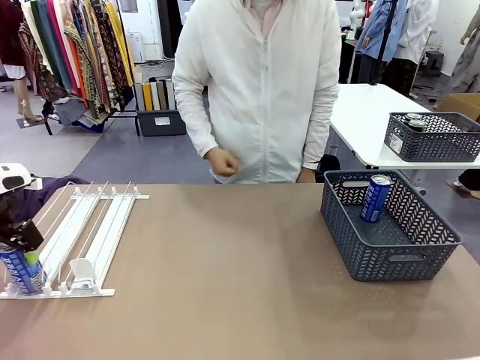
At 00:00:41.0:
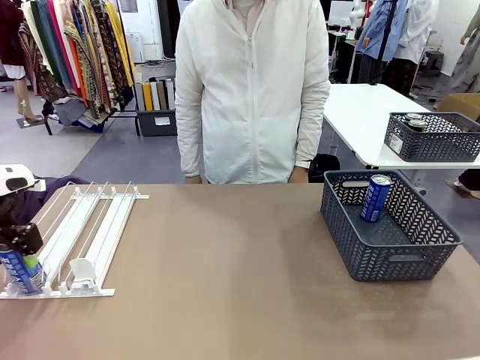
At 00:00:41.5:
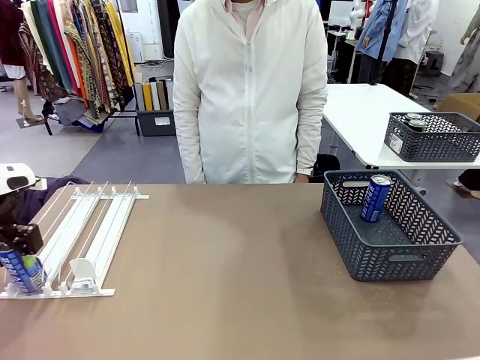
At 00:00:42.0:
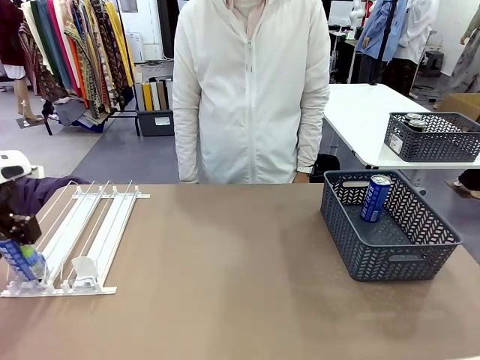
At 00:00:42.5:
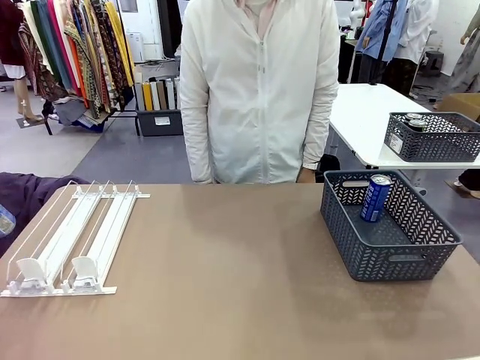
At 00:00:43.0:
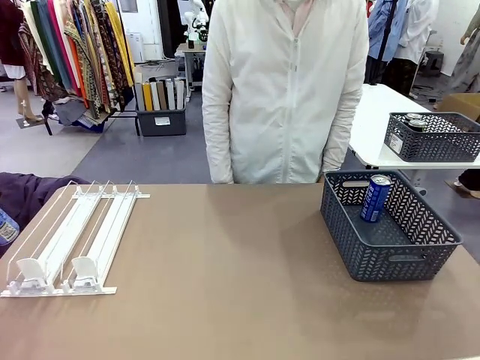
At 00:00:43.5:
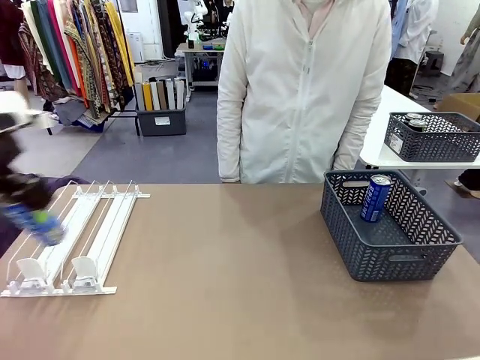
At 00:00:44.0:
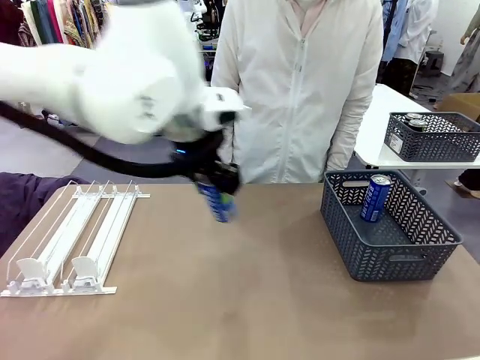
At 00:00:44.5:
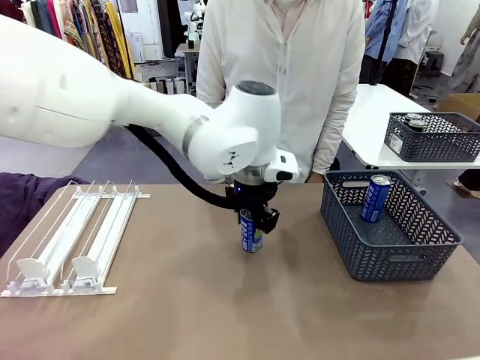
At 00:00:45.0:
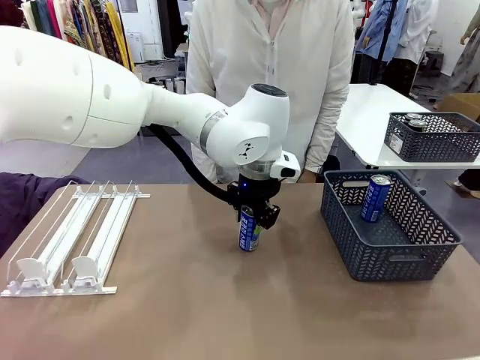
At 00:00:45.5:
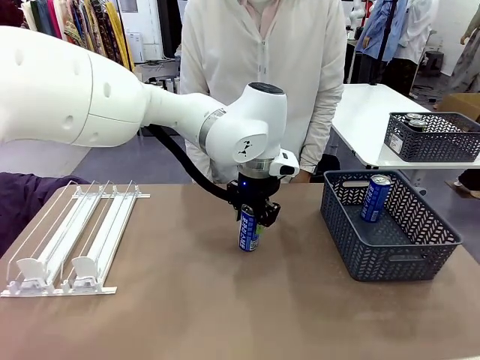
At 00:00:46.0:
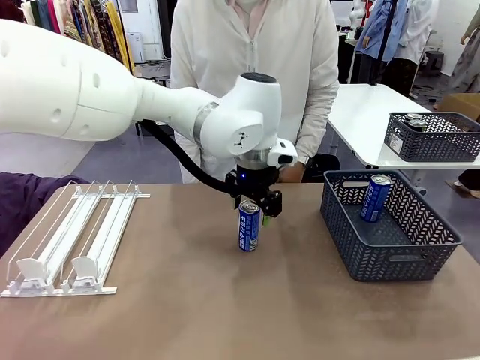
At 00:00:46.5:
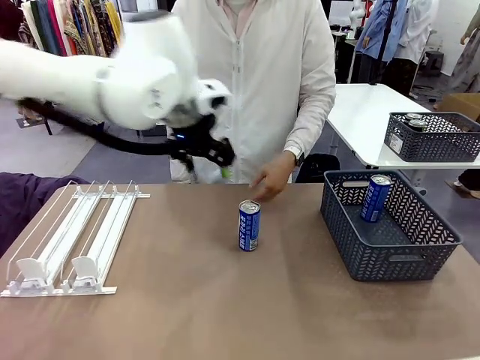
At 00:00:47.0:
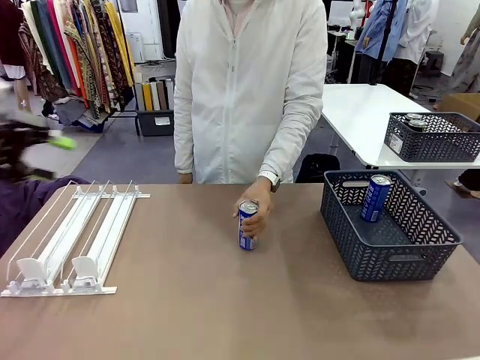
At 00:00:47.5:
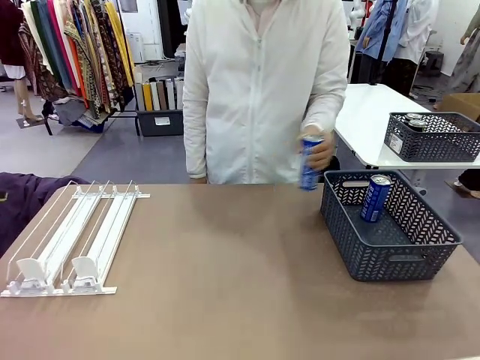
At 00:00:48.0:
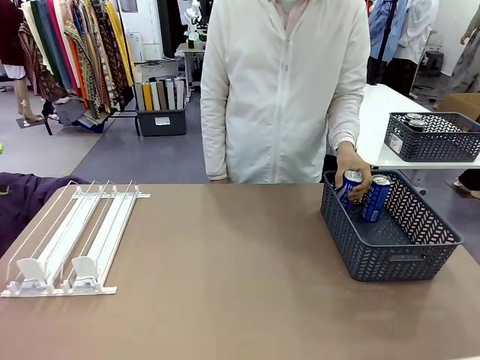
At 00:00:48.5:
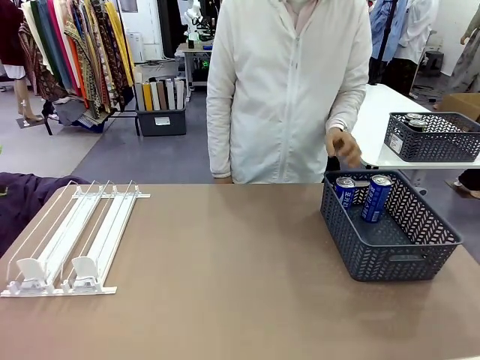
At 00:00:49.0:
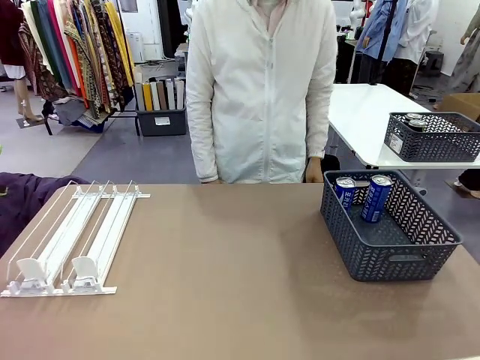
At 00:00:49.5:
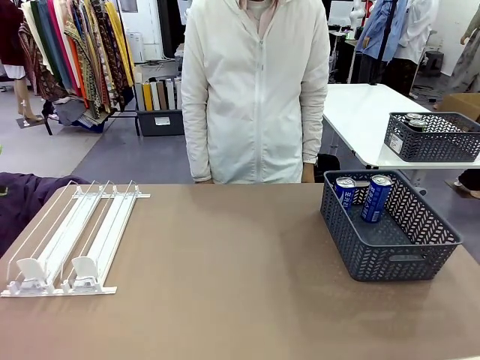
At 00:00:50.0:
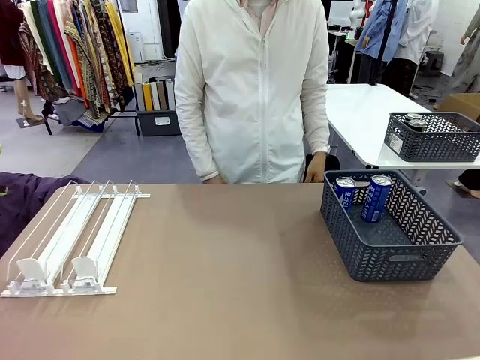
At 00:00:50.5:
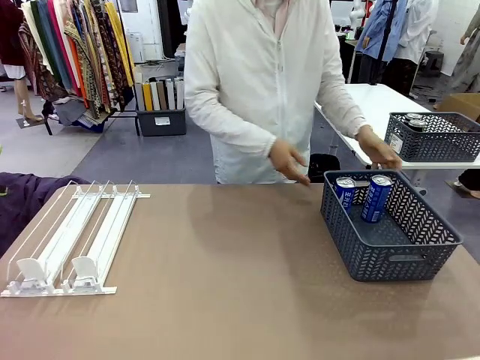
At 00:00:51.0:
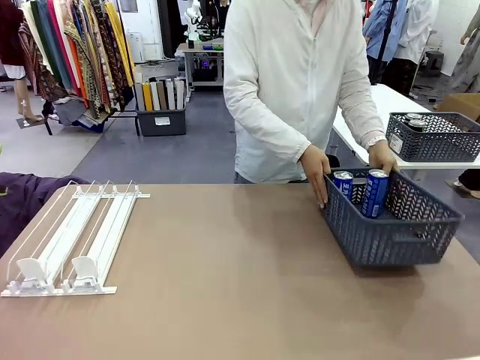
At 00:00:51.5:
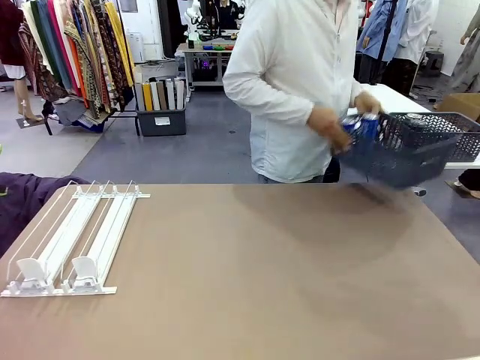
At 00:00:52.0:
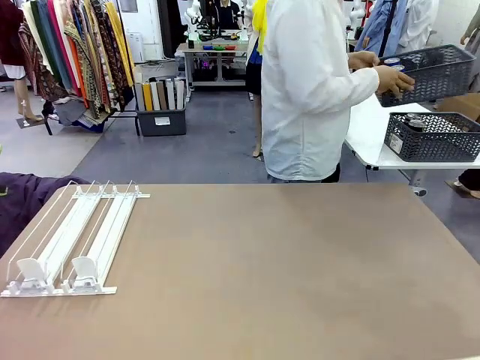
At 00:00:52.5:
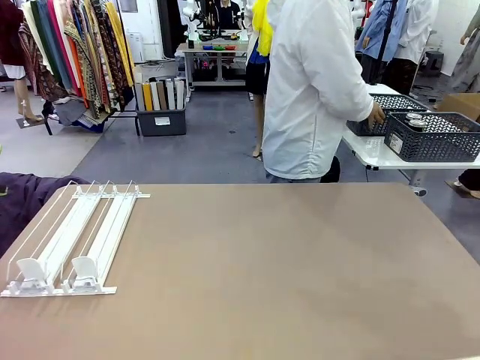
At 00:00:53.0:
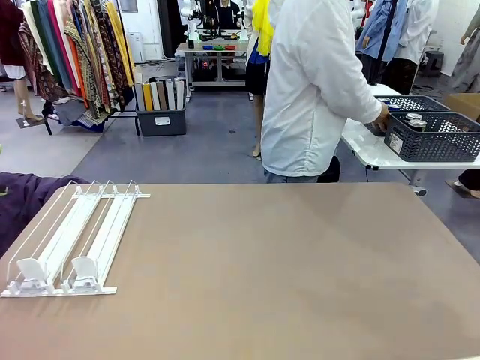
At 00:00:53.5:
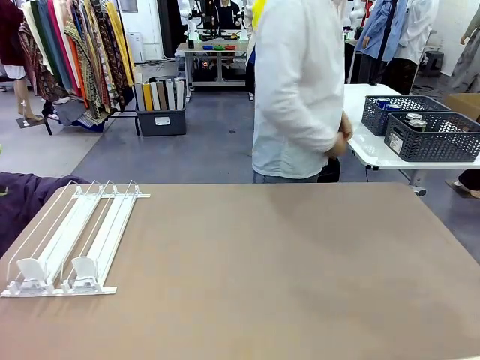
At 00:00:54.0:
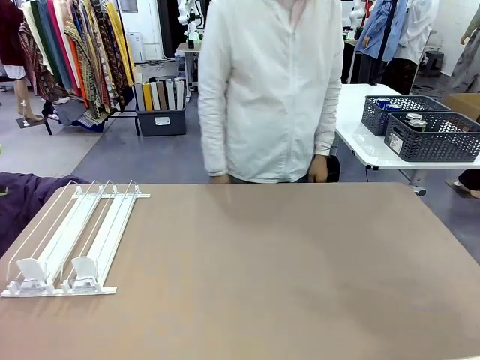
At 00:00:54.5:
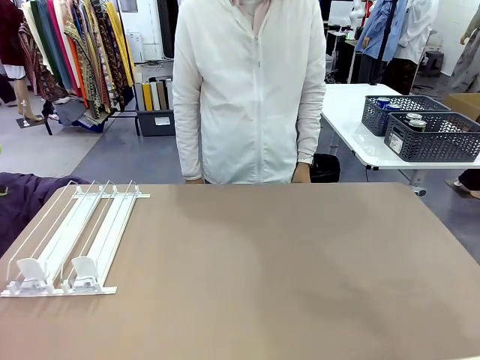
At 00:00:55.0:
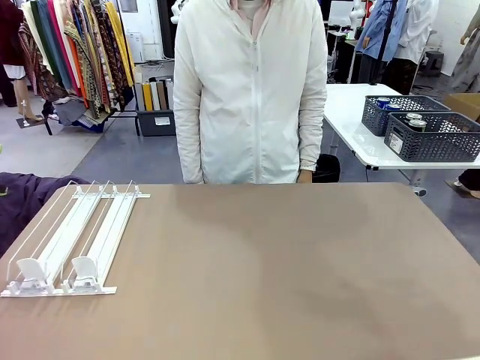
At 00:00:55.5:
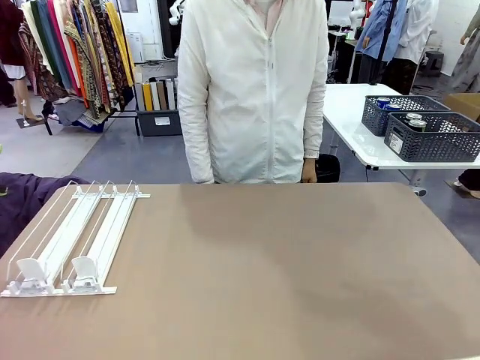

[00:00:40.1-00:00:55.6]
Task: Retrieve and store the cans from the dispenser.
Robot: Pick up one can from the Automatic Can Dispenser and place it in the middle of the table.
Person: Pick up one sports drink can from the middle of the robot table and place it in the basket. Pick up the basket and place it in the middle of the human table.
